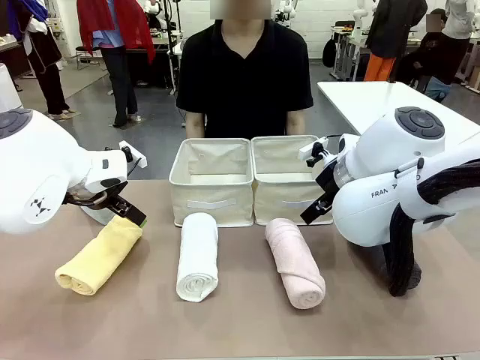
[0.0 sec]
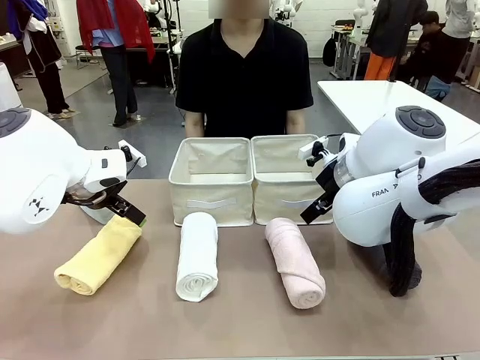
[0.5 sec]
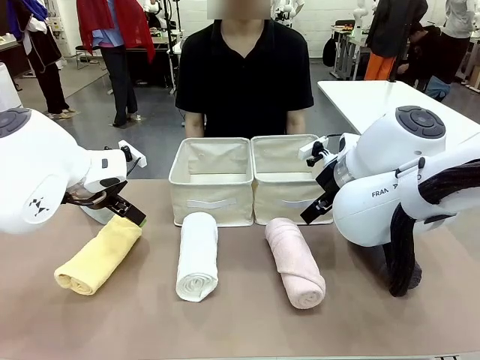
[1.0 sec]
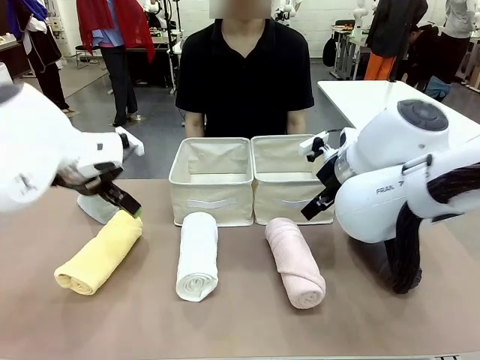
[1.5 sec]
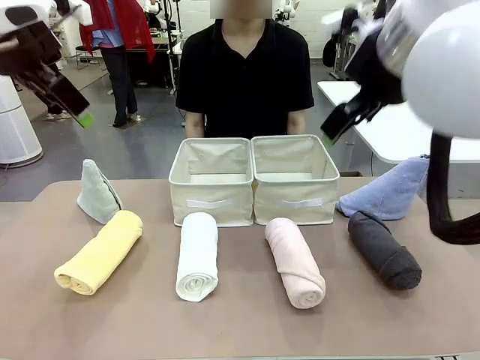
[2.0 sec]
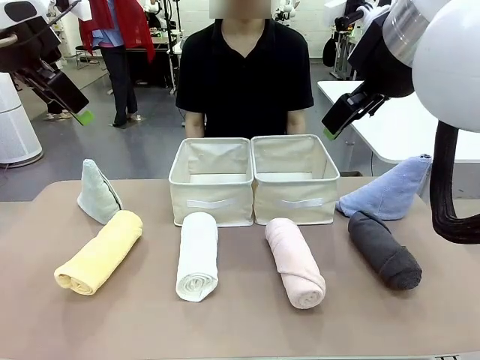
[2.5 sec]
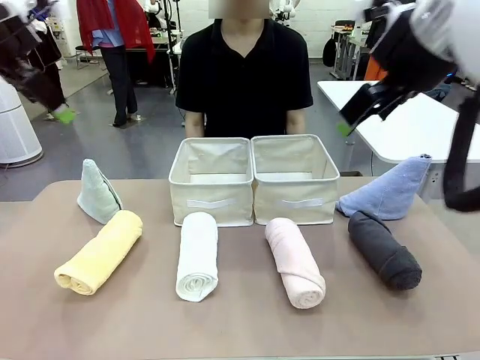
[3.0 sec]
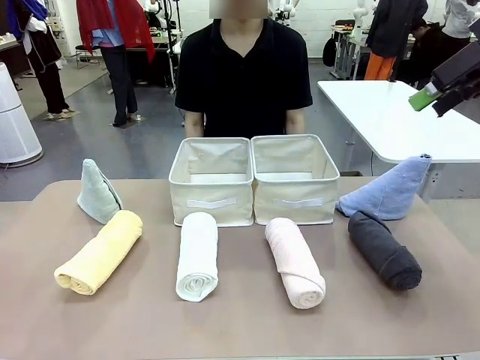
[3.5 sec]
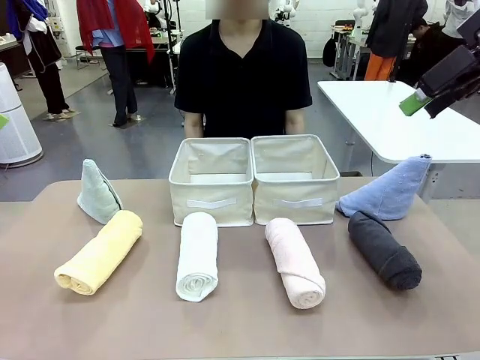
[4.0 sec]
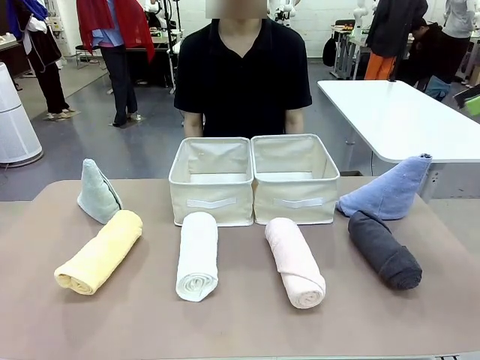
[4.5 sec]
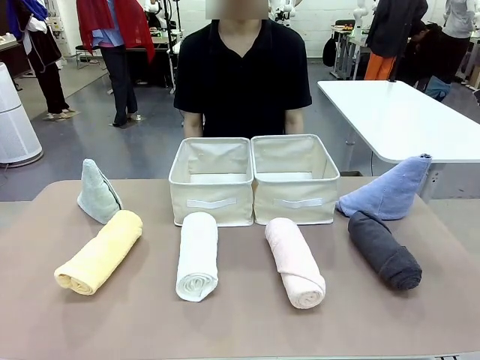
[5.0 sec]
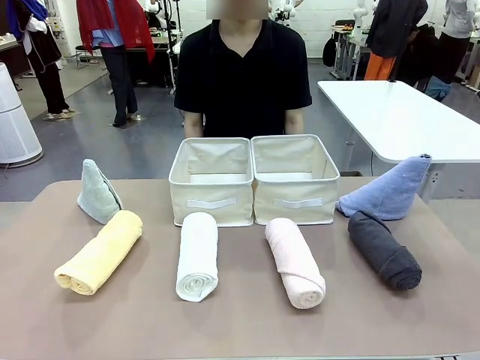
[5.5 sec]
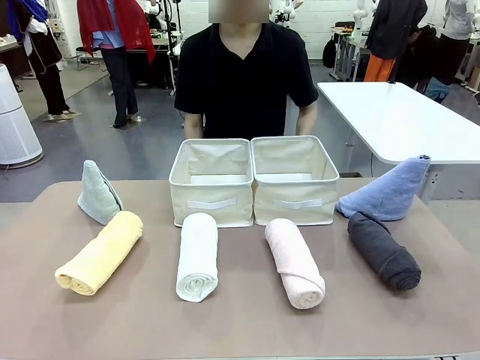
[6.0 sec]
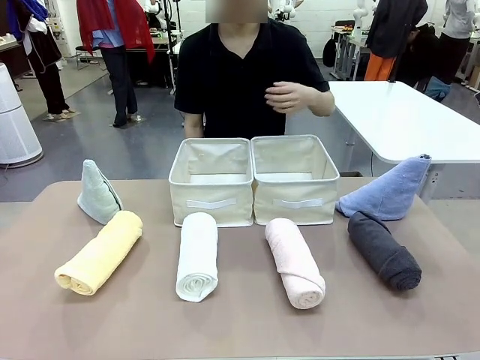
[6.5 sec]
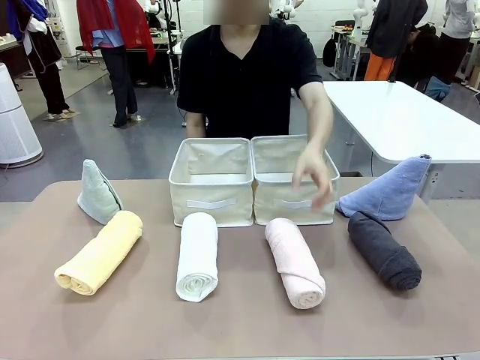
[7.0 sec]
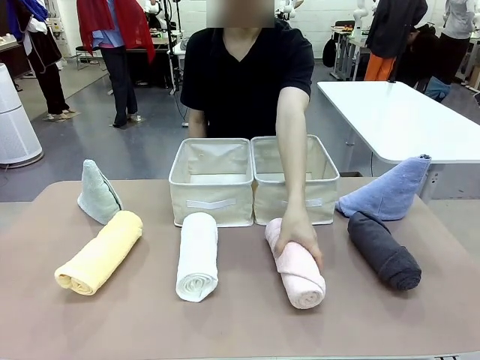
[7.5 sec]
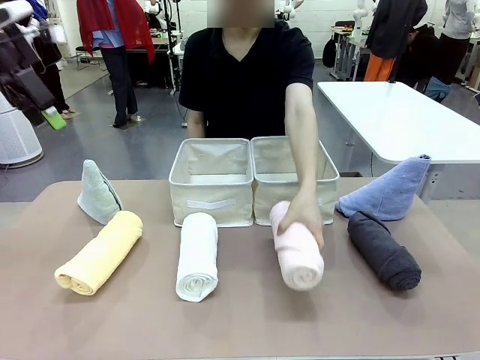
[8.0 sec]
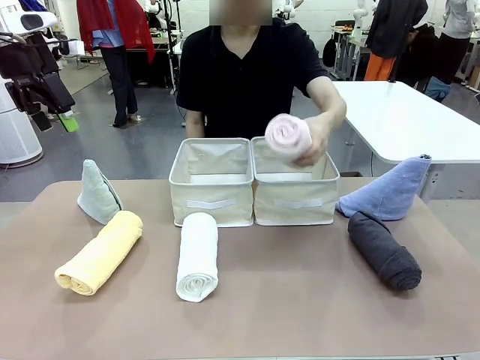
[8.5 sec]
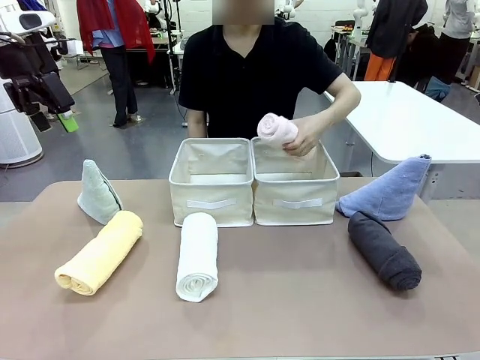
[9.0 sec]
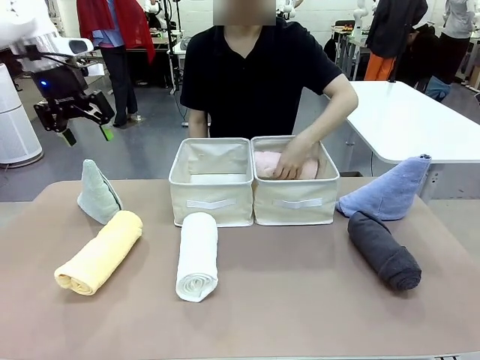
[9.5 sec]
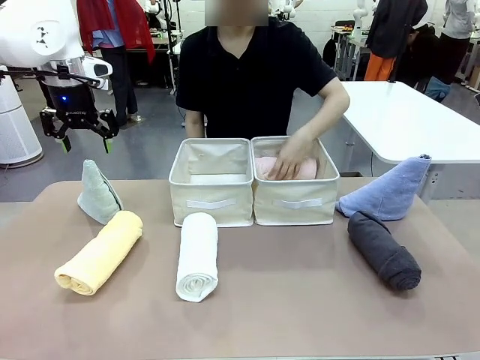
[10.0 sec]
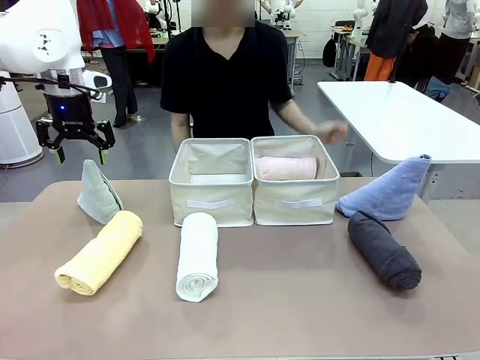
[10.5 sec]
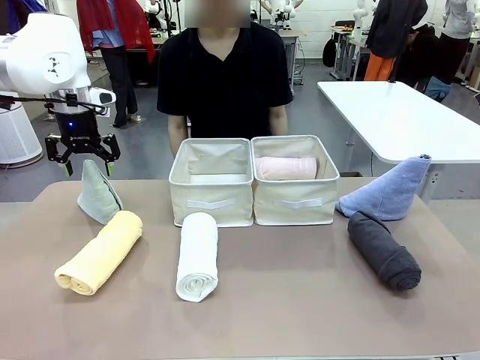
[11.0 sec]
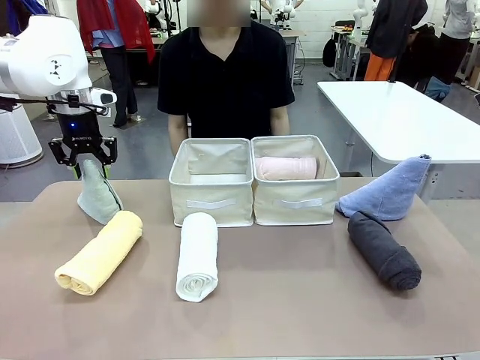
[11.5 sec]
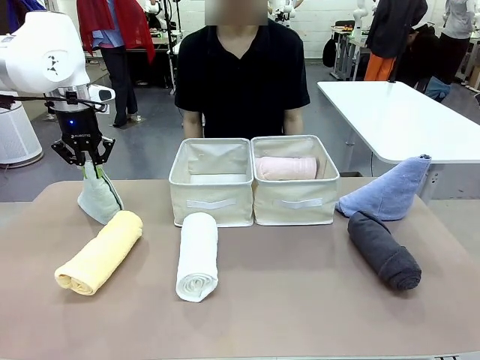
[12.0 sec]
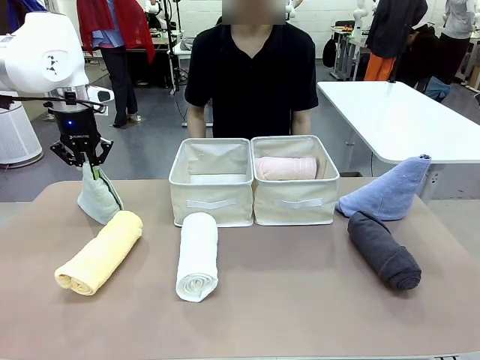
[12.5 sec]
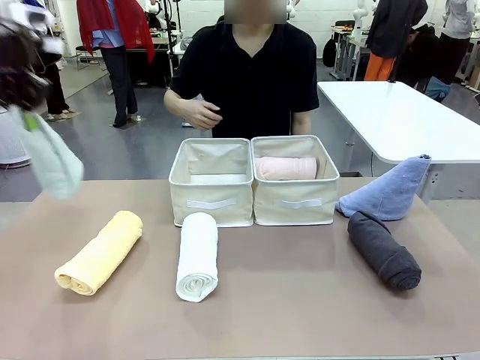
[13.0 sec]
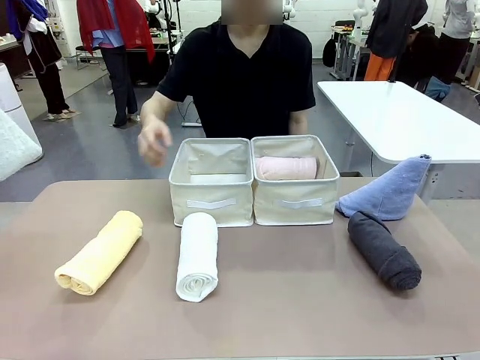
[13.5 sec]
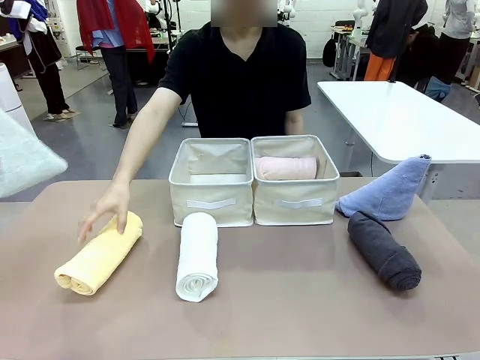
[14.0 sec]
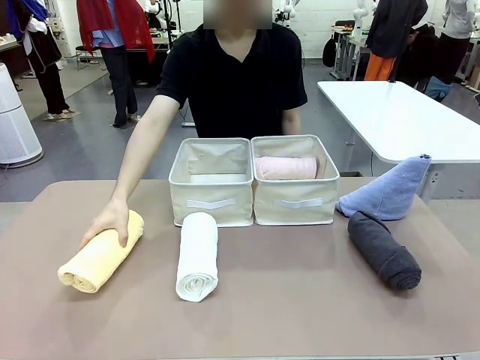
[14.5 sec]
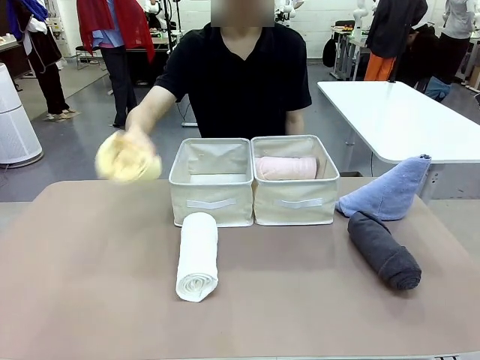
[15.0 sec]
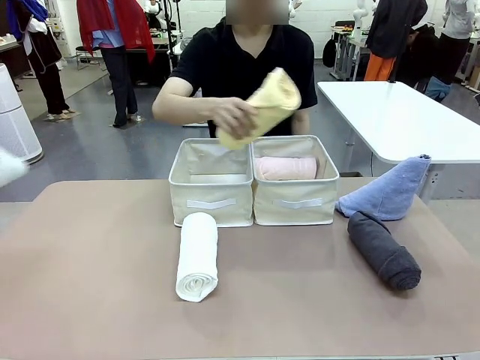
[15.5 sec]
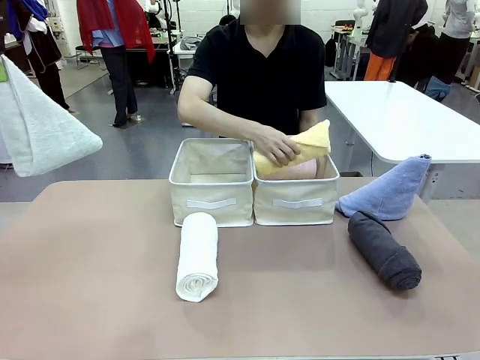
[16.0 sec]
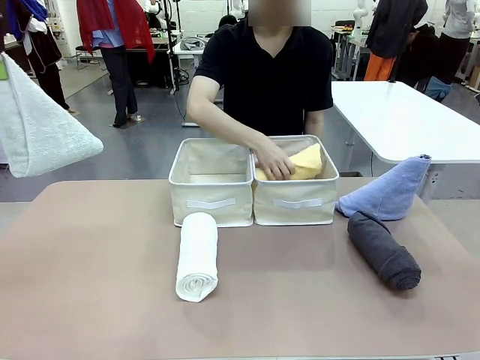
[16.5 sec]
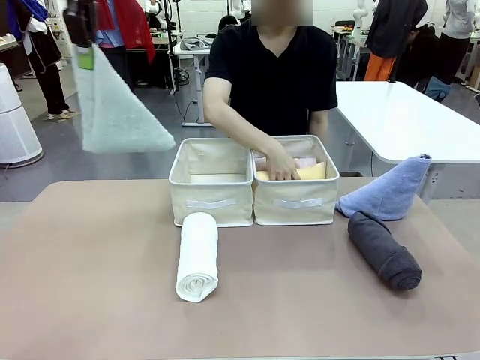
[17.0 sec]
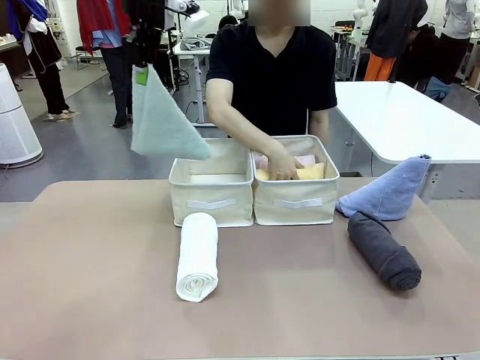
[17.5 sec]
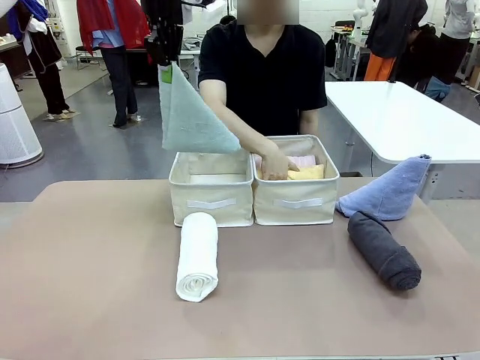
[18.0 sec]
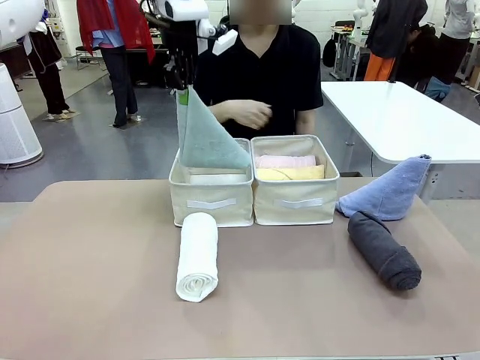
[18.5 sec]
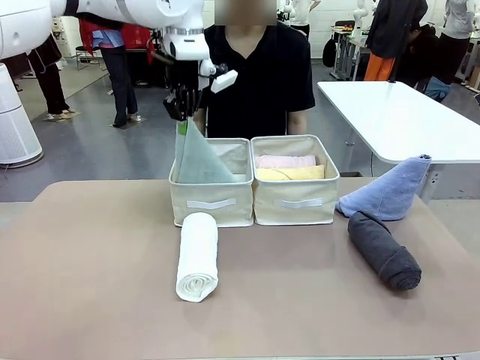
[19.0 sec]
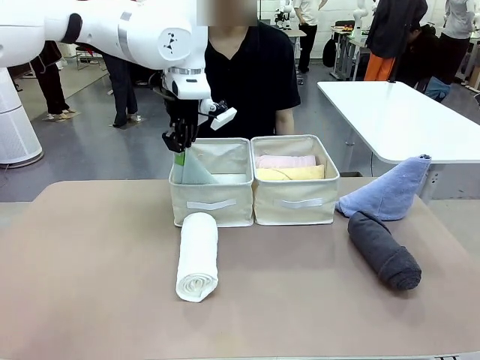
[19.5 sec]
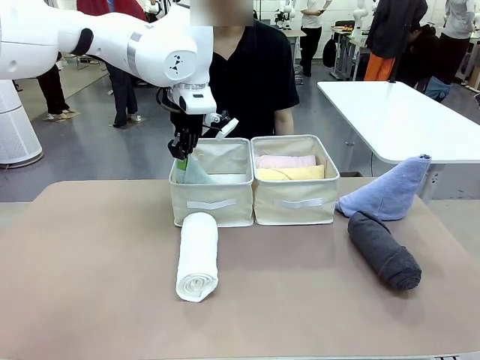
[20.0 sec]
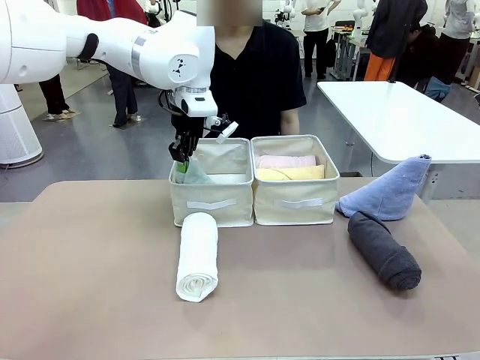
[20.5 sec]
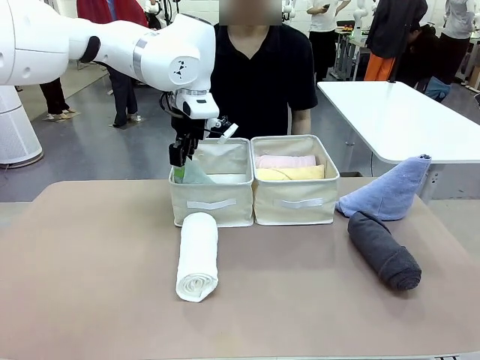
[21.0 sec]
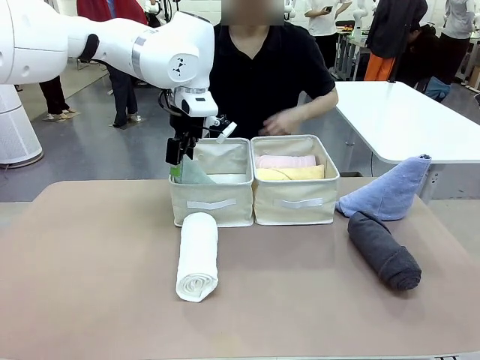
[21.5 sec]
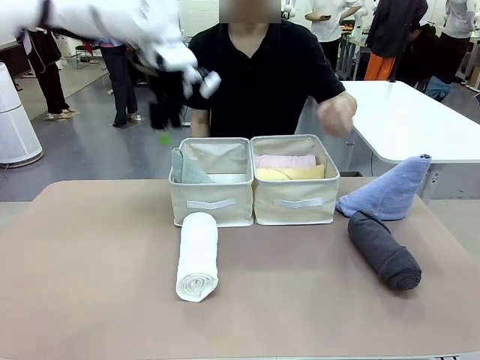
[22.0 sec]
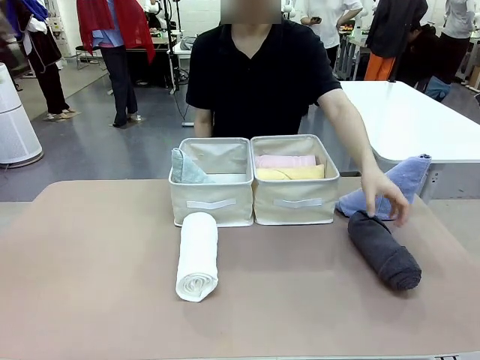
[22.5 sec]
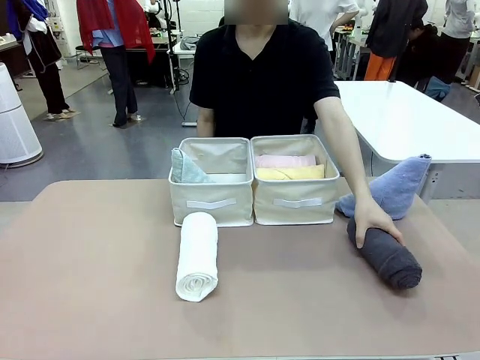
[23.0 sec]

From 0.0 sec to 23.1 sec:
Task: Sort the towels based on their folding style.
Robot: Pick up one triangle-folded towel and place it in the left Fabric basket.
Person: Pick up one hotel-style rolled towel and place it in the left fabric basket.
